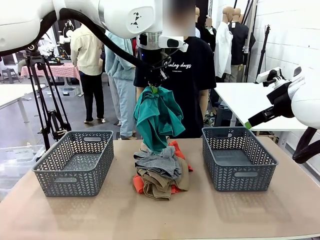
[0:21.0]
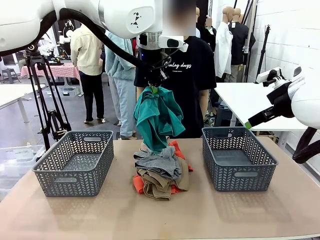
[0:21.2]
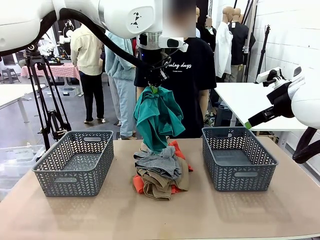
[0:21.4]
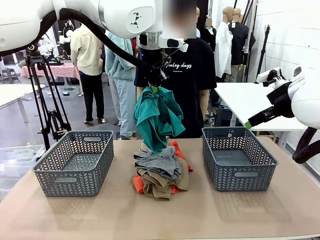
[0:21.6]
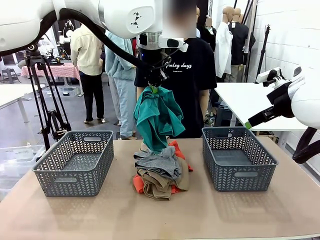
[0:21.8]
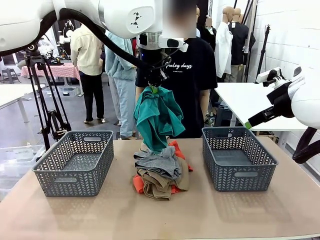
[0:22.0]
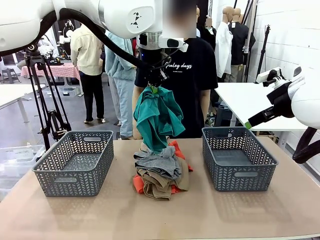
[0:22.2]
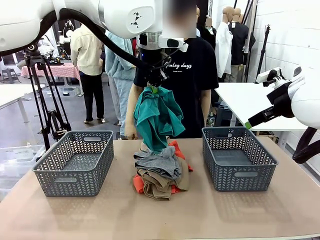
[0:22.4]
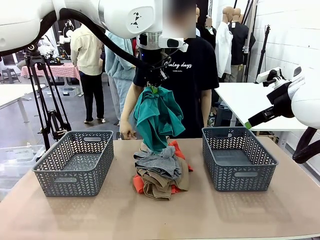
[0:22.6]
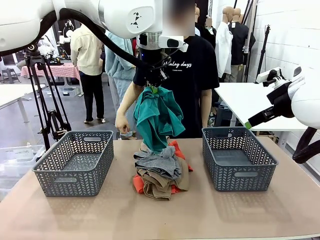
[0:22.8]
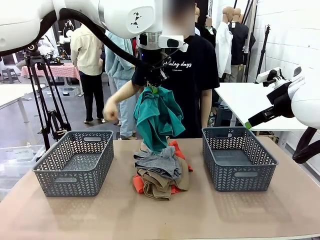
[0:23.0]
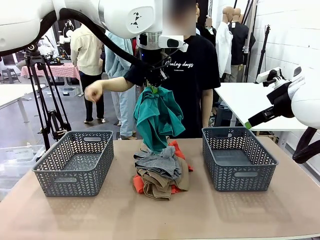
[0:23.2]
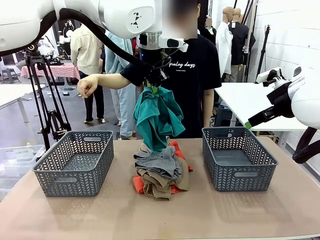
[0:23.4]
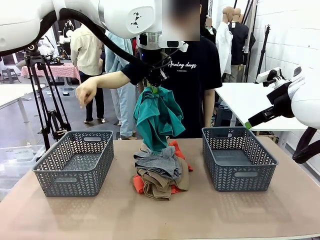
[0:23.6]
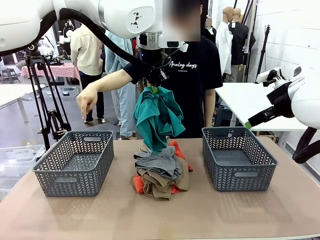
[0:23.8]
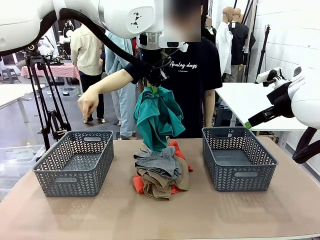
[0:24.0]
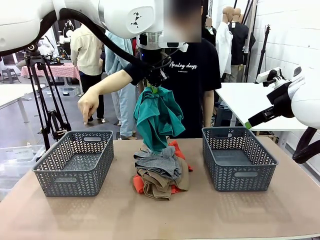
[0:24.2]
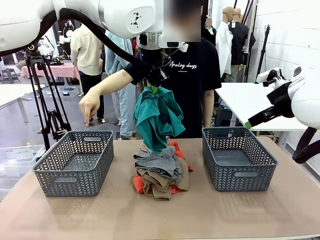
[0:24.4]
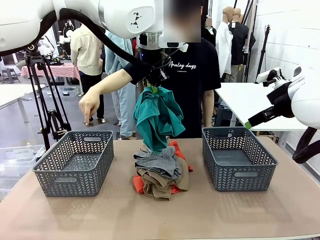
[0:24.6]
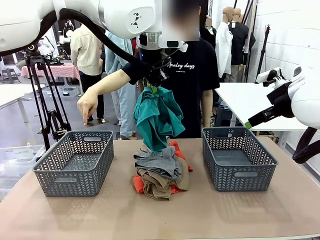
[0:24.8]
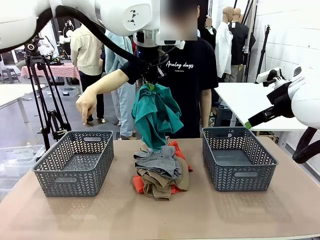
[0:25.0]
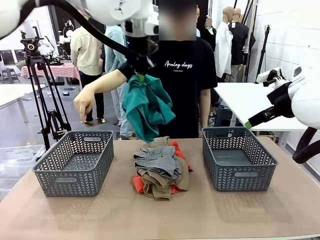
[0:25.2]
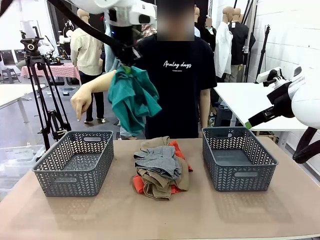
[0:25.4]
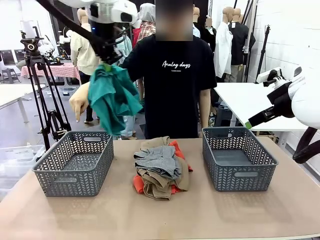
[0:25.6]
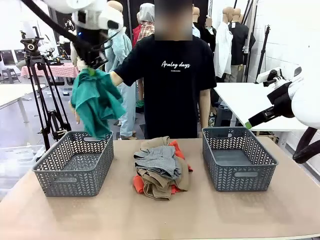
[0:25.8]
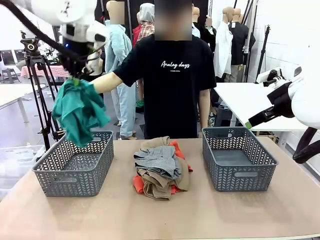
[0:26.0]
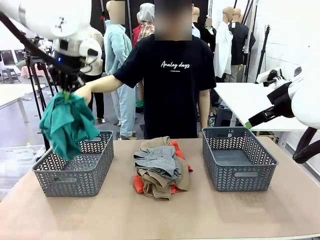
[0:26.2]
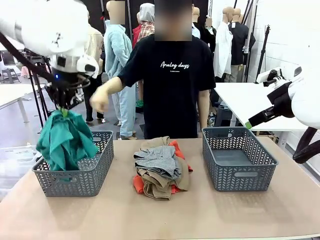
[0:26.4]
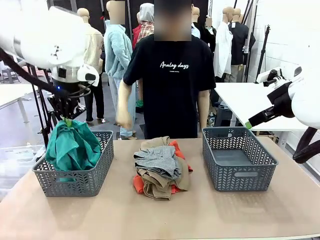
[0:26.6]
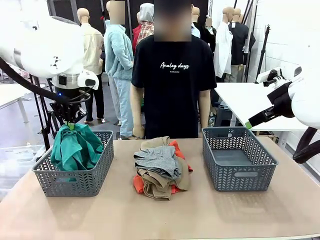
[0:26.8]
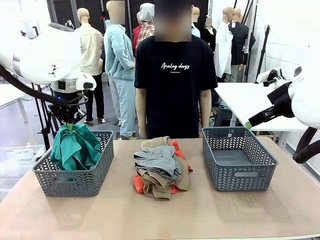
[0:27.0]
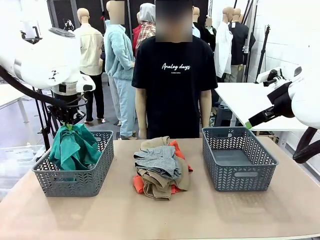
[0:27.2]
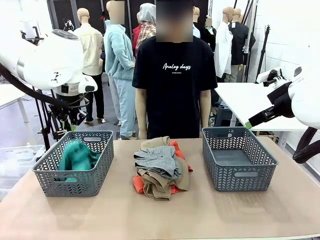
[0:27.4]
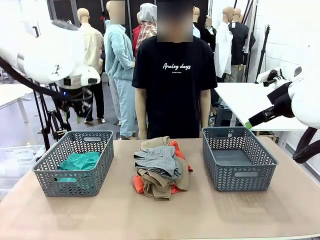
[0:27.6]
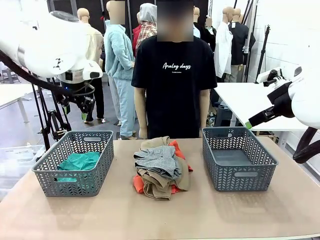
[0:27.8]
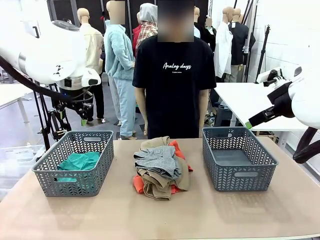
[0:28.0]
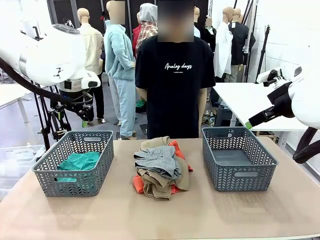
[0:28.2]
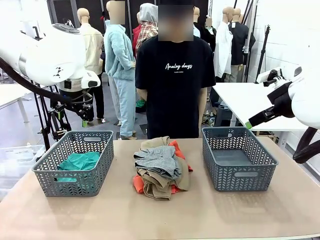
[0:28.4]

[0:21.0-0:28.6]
Task: Sort the tops and bottoms.
Robot: Sort the clothes according to human instructions.

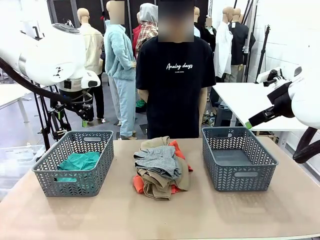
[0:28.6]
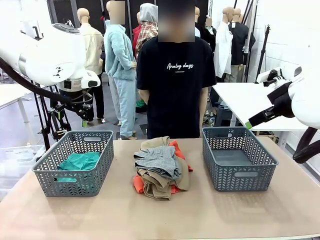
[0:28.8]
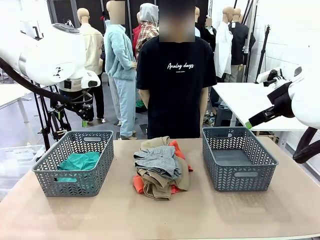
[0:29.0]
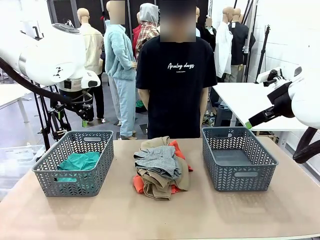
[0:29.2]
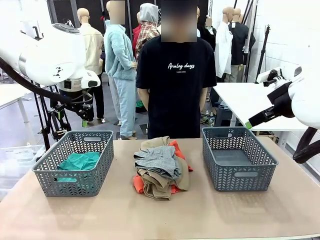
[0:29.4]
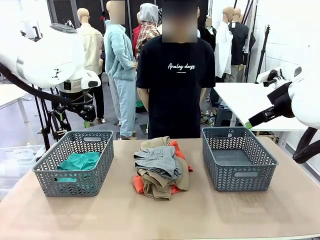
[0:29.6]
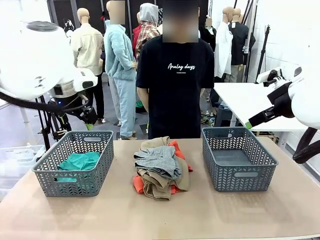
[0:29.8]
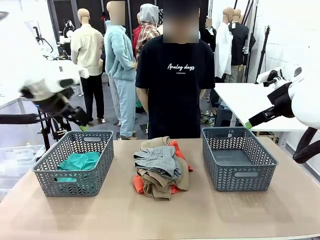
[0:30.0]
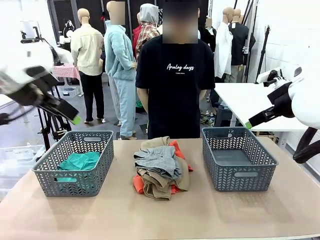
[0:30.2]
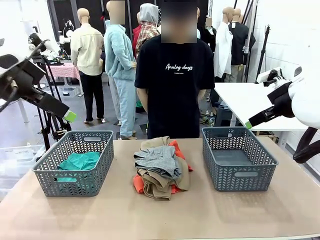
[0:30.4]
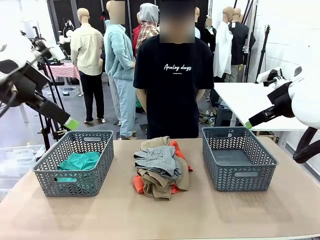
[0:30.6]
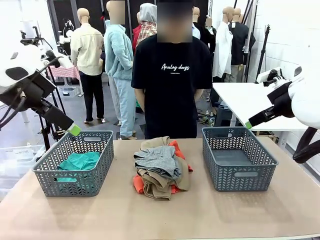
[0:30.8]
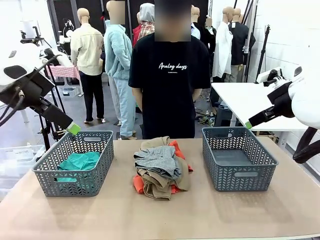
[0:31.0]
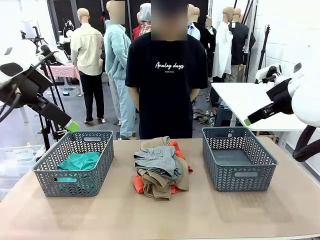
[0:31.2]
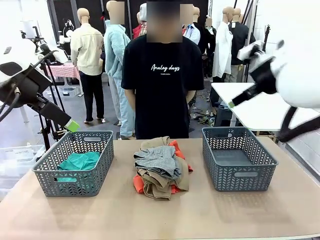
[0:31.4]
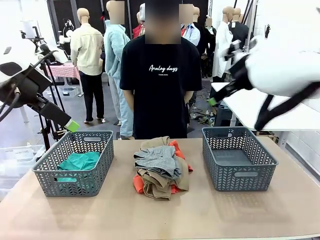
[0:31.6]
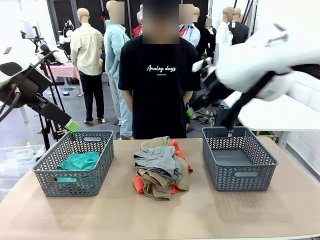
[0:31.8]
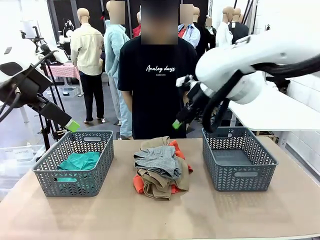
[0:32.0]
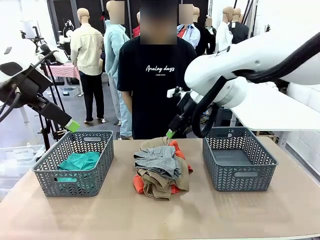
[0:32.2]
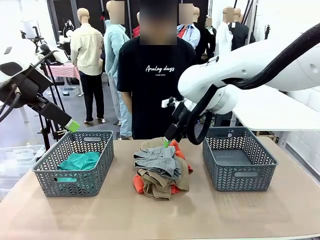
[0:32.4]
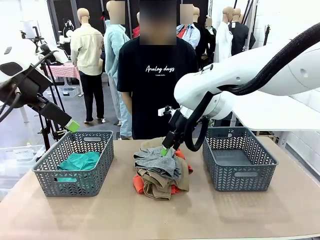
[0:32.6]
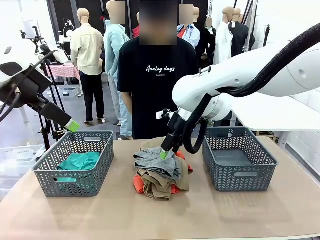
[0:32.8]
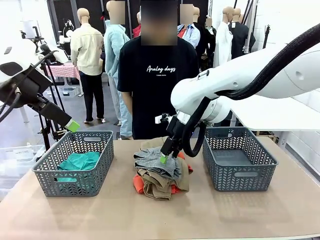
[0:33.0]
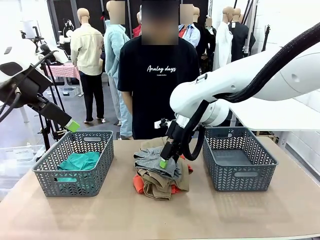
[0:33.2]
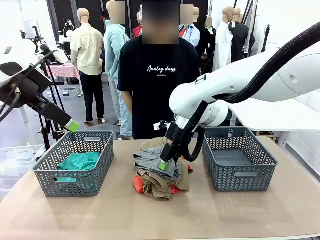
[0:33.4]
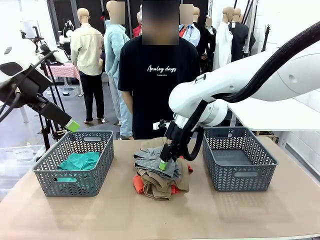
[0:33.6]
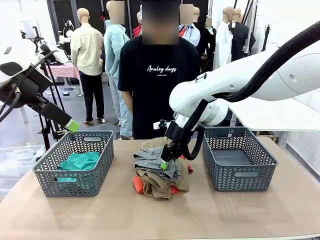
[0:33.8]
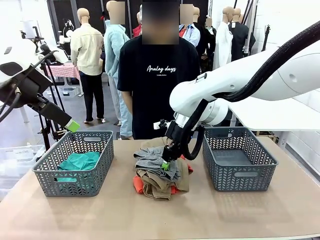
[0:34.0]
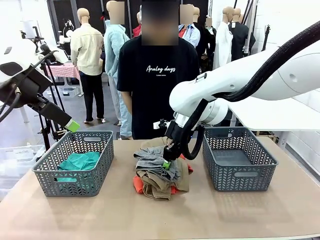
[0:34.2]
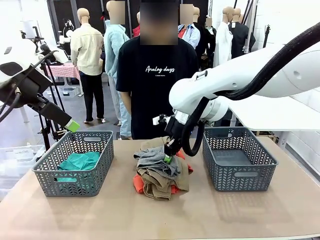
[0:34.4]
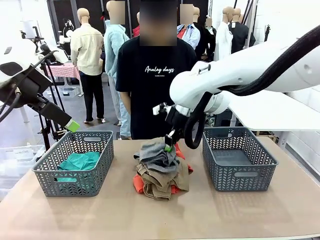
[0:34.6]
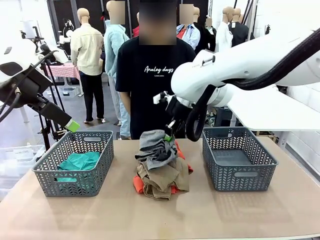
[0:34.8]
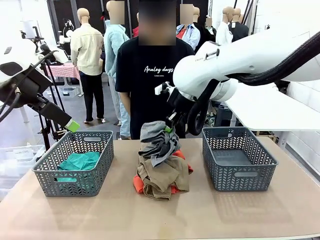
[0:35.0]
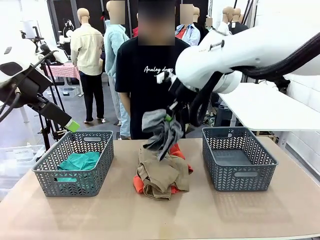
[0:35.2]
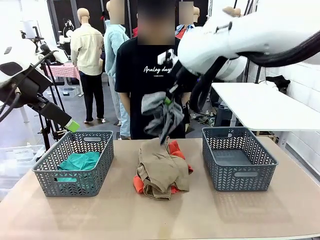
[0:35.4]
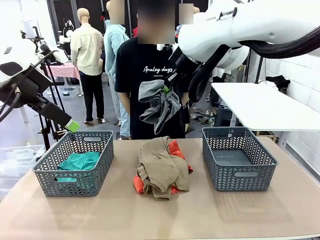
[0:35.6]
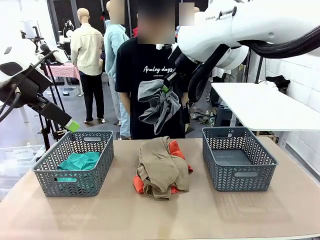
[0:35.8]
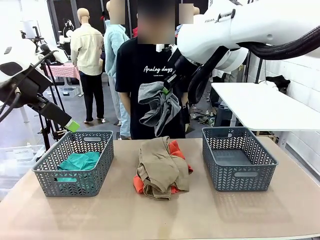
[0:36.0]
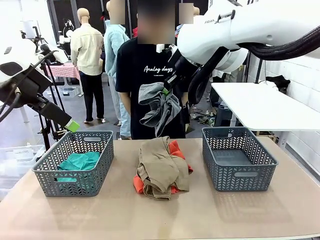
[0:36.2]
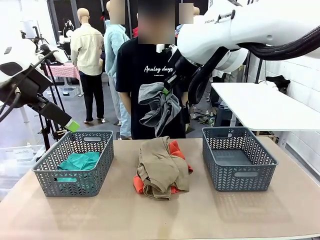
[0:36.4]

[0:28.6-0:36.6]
Robot: Lift clothes from the center of the table with your right hand.

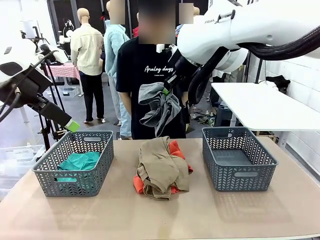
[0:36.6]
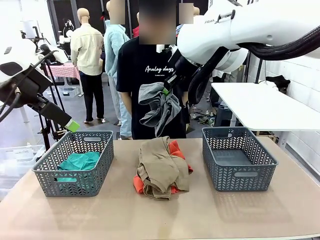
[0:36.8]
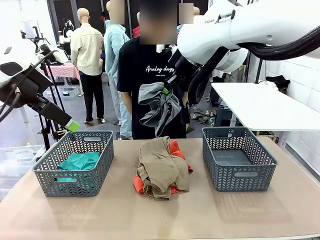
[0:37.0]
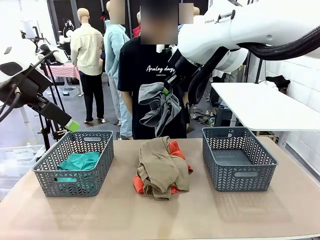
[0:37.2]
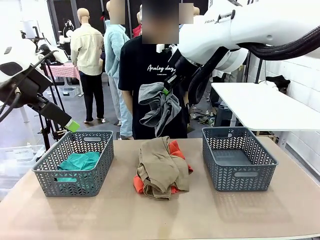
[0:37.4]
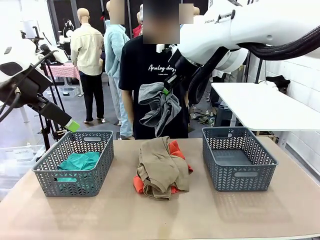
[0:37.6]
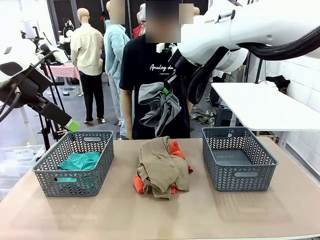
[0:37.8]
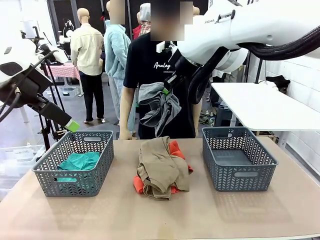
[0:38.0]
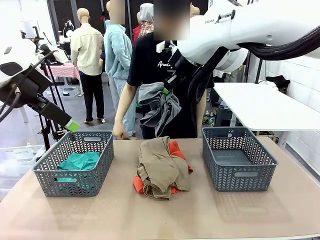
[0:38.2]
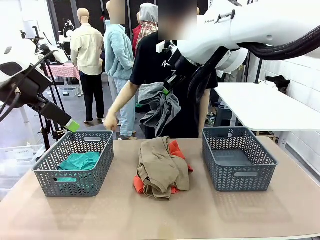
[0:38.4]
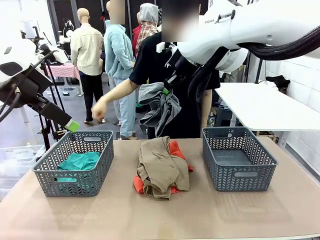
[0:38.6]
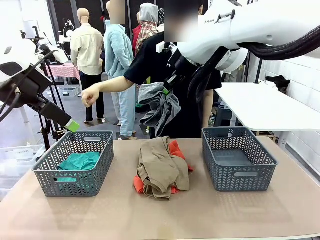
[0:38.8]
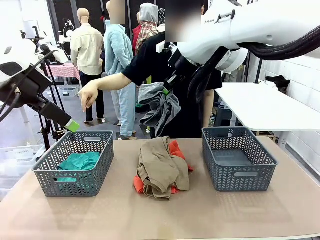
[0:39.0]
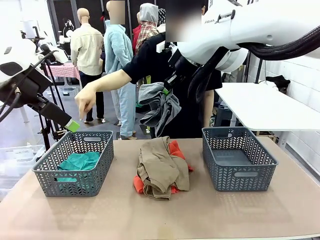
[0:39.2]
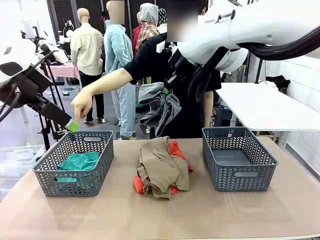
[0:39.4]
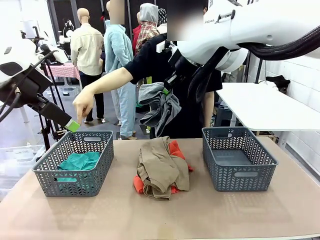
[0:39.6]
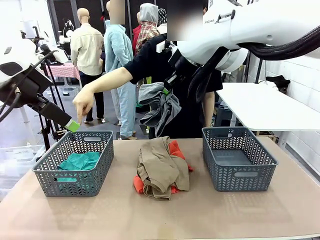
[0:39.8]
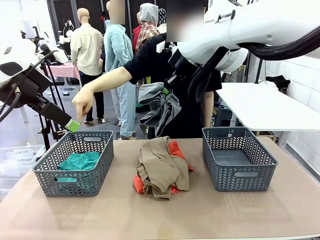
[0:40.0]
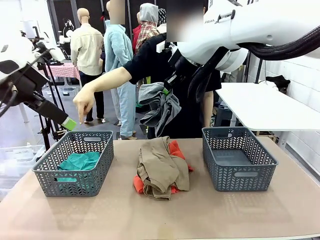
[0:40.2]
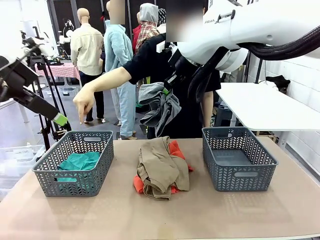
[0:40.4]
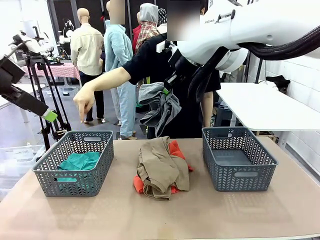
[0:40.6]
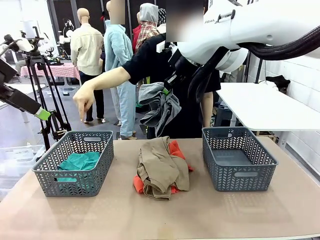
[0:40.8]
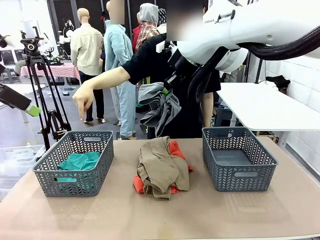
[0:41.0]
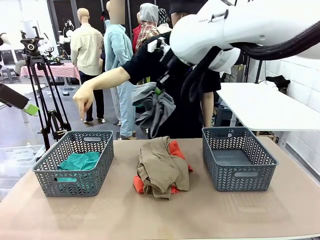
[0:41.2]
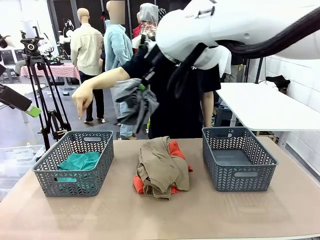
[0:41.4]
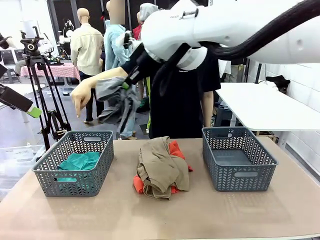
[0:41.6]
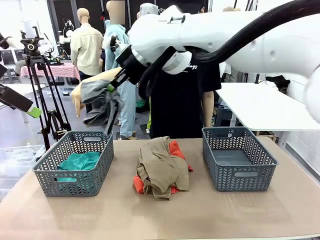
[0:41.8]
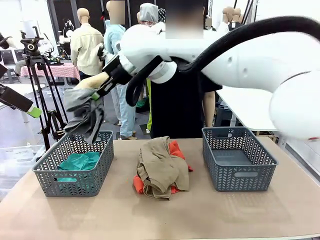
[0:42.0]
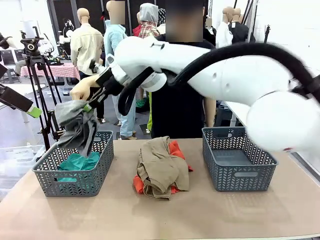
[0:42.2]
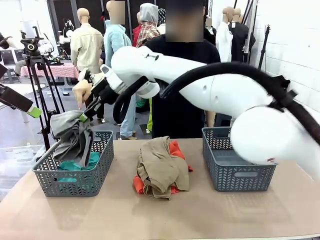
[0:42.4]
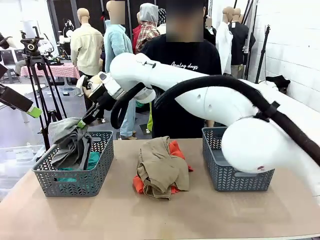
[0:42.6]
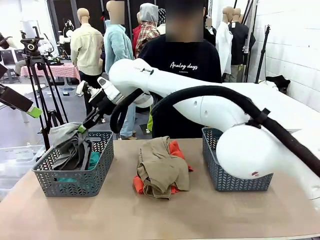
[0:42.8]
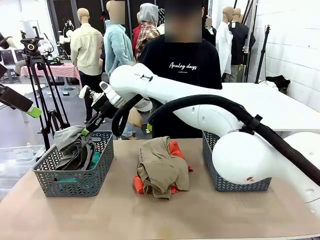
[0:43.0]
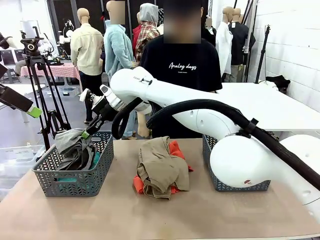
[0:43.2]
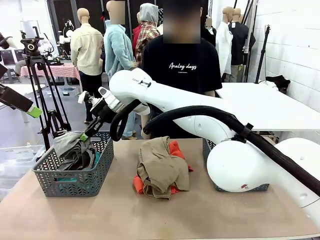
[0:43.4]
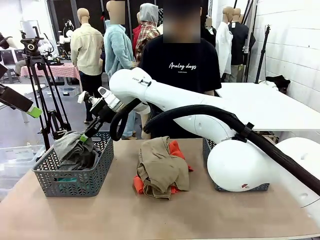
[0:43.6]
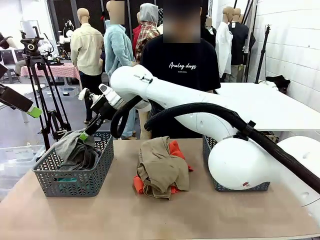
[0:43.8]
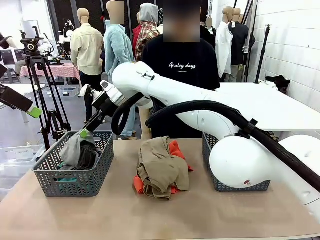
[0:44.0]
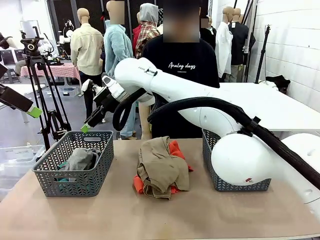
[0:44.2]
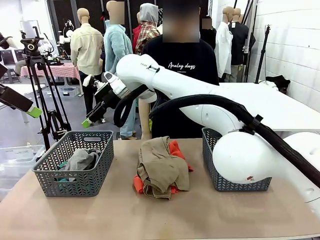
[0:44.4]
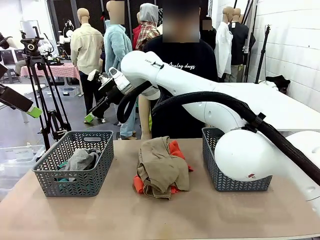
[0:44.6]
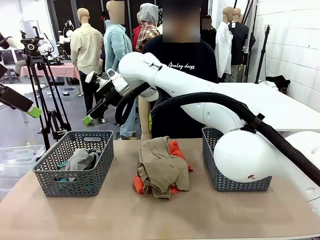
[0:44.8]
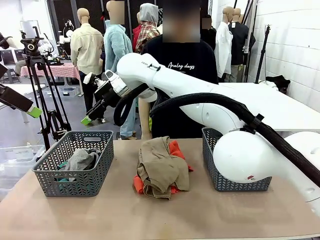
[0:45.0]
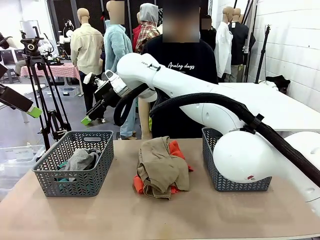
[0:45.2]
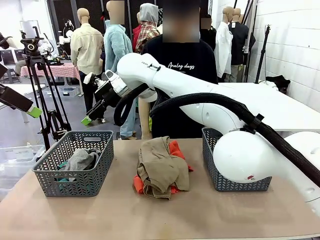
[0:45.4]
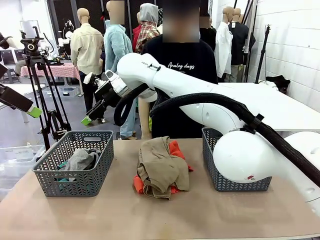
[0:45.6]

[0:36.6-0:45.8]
Robot: Sort the clothes according to human instructions.
